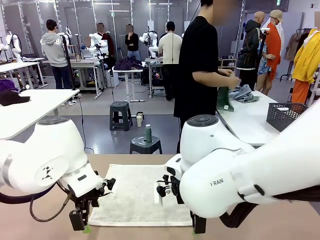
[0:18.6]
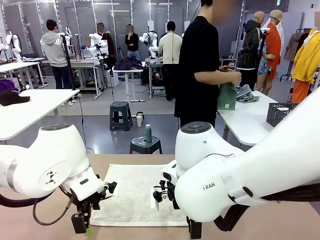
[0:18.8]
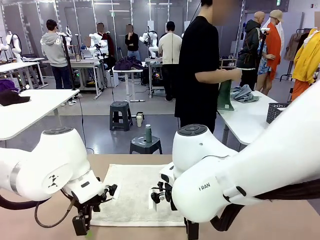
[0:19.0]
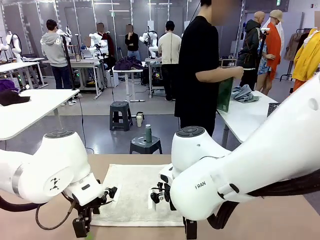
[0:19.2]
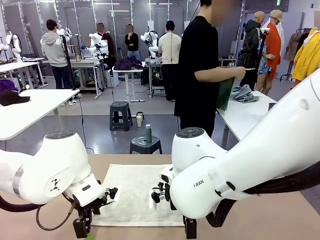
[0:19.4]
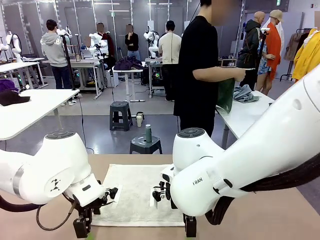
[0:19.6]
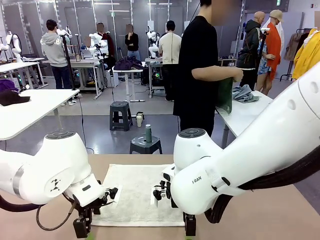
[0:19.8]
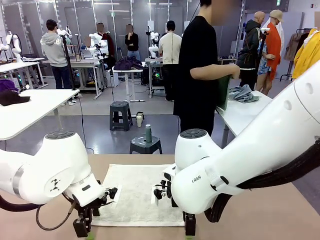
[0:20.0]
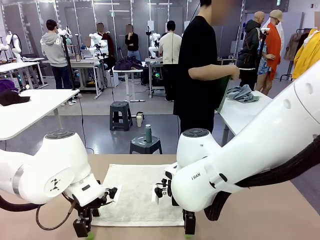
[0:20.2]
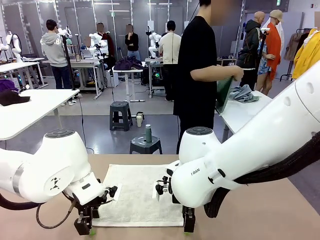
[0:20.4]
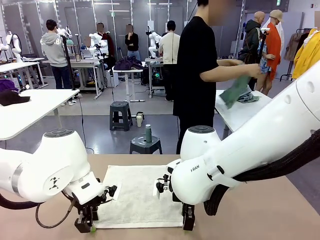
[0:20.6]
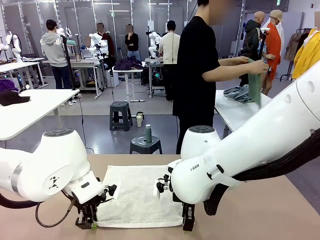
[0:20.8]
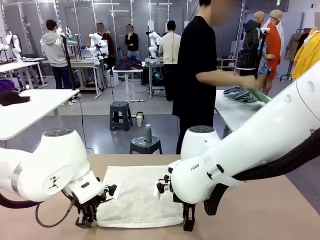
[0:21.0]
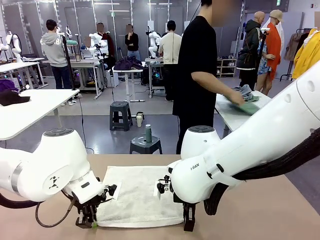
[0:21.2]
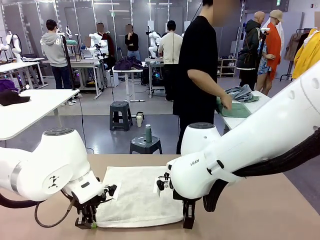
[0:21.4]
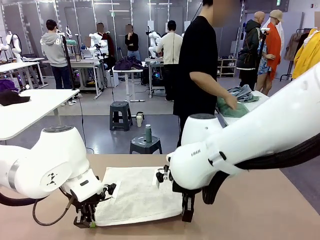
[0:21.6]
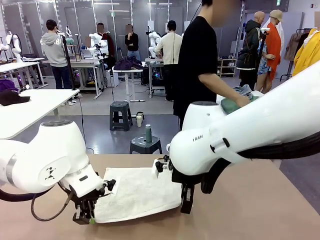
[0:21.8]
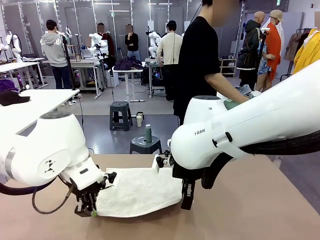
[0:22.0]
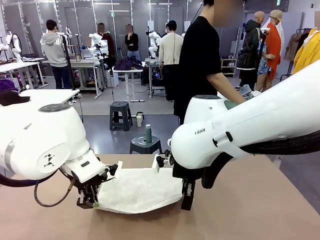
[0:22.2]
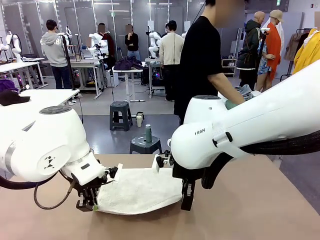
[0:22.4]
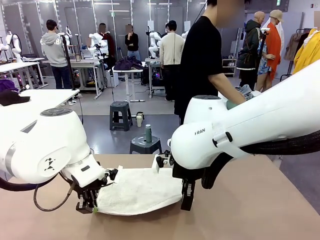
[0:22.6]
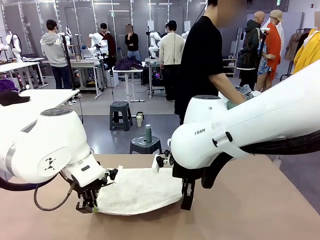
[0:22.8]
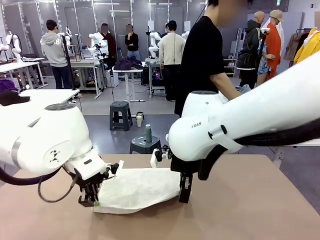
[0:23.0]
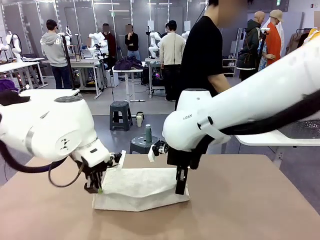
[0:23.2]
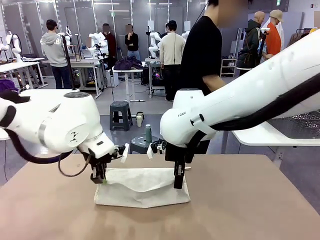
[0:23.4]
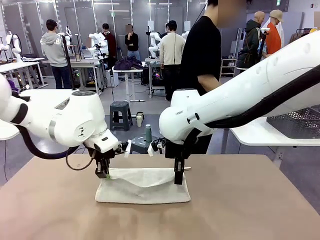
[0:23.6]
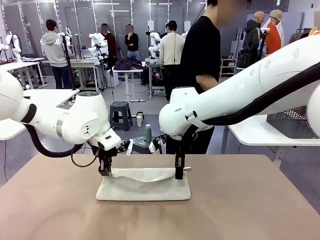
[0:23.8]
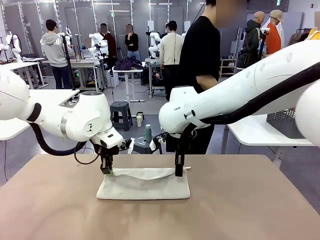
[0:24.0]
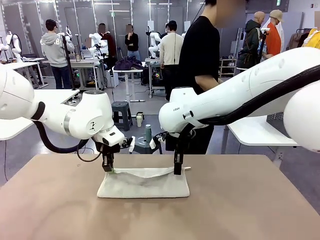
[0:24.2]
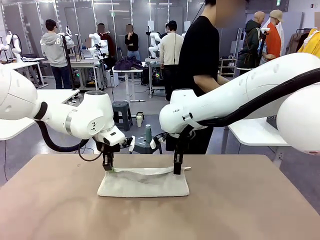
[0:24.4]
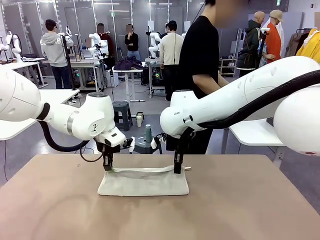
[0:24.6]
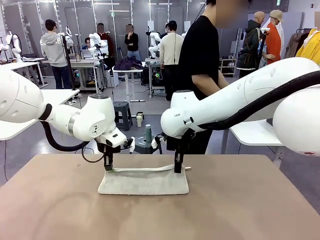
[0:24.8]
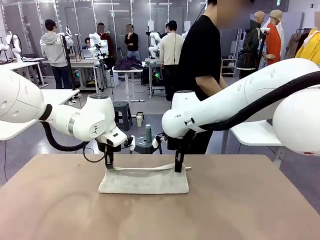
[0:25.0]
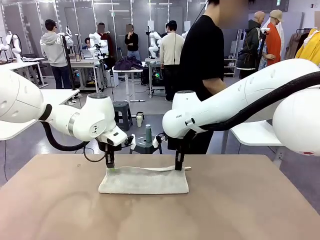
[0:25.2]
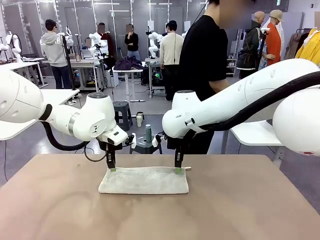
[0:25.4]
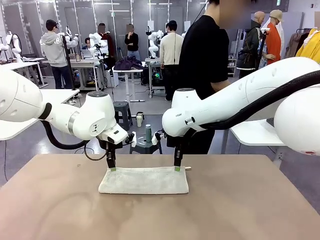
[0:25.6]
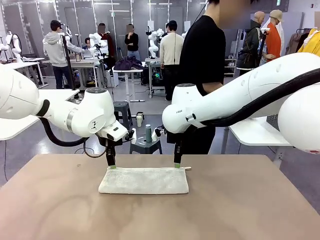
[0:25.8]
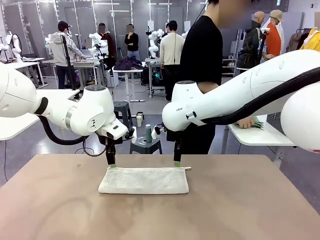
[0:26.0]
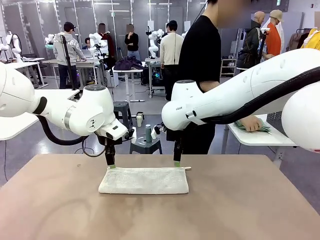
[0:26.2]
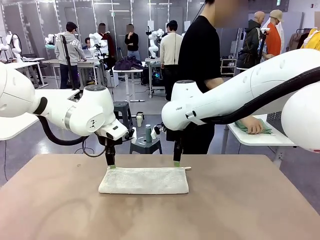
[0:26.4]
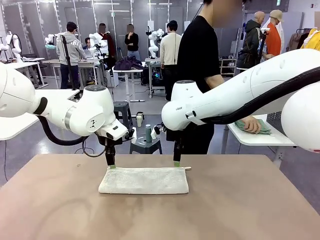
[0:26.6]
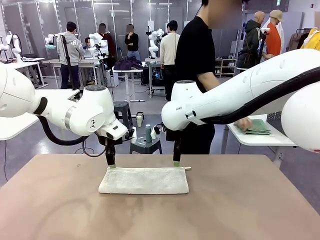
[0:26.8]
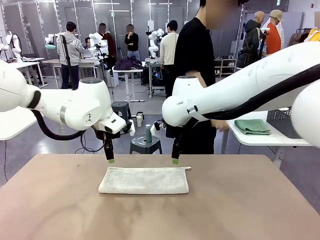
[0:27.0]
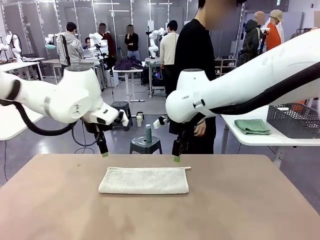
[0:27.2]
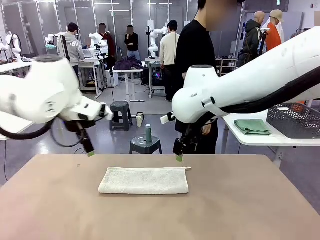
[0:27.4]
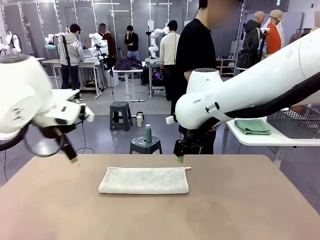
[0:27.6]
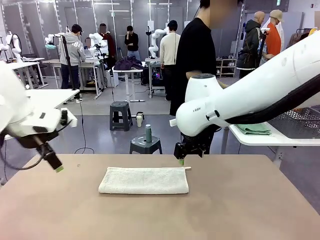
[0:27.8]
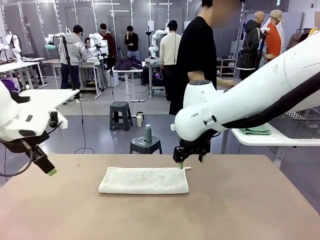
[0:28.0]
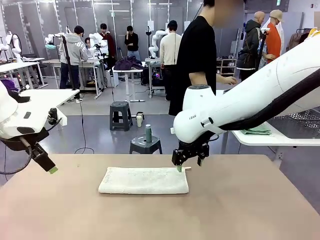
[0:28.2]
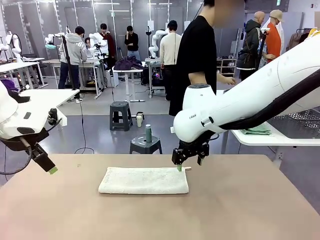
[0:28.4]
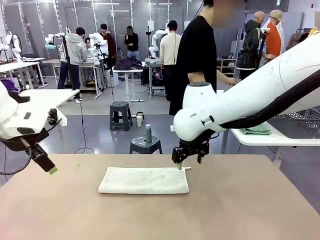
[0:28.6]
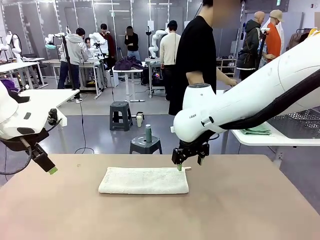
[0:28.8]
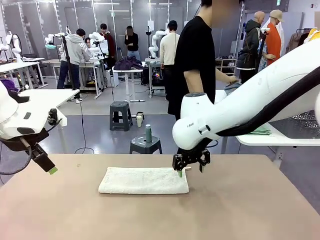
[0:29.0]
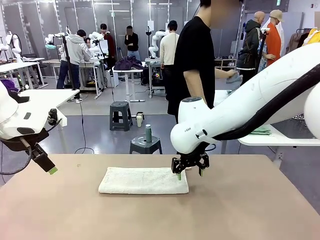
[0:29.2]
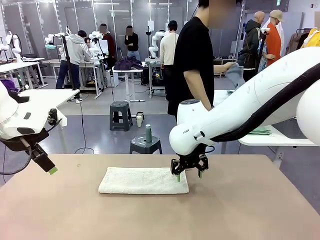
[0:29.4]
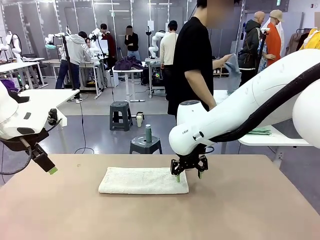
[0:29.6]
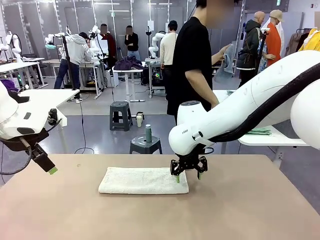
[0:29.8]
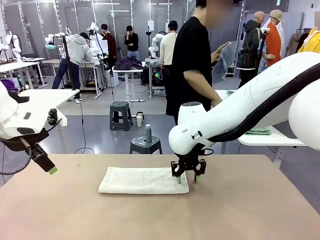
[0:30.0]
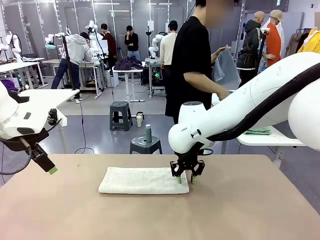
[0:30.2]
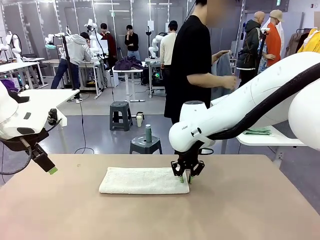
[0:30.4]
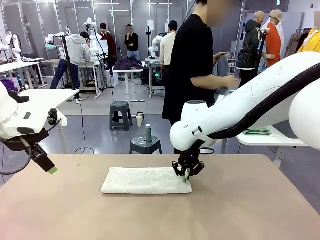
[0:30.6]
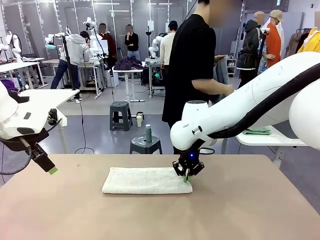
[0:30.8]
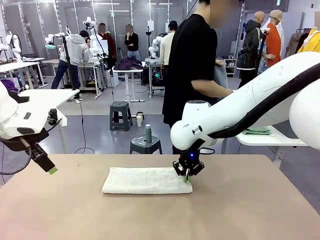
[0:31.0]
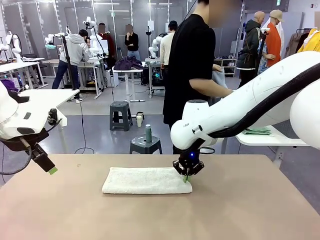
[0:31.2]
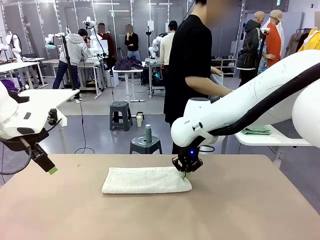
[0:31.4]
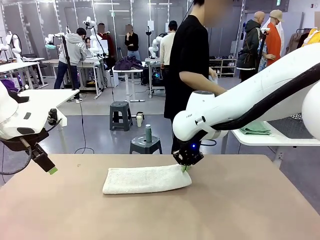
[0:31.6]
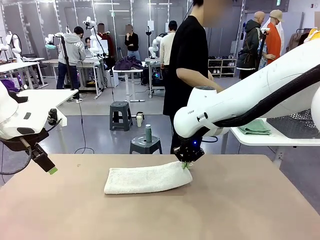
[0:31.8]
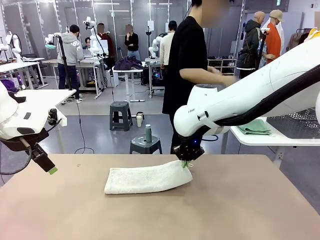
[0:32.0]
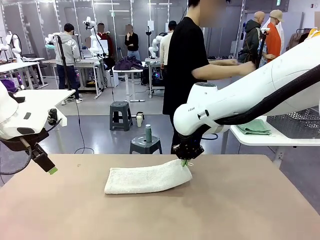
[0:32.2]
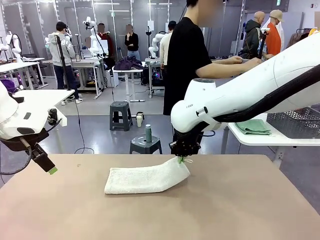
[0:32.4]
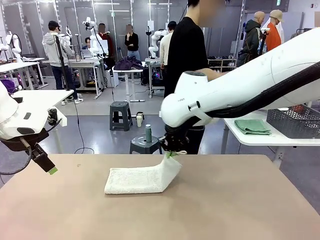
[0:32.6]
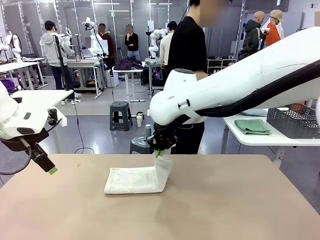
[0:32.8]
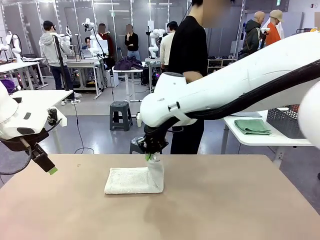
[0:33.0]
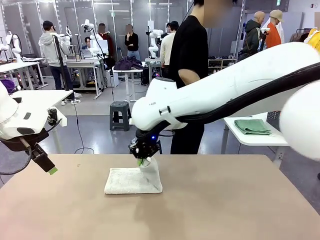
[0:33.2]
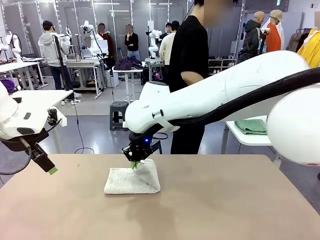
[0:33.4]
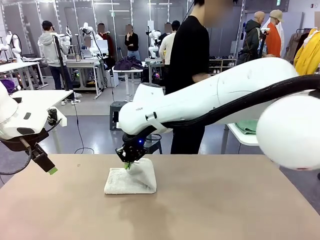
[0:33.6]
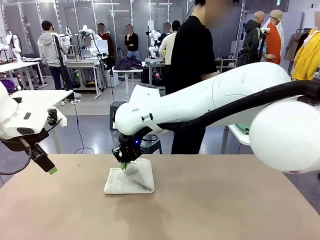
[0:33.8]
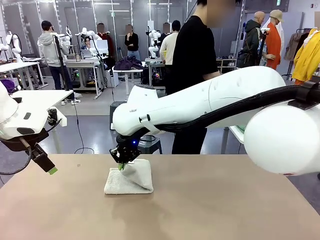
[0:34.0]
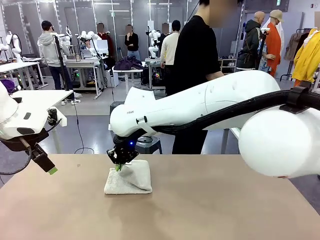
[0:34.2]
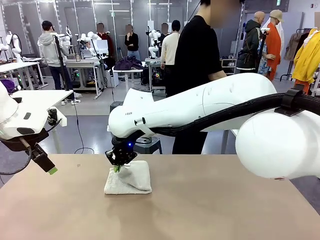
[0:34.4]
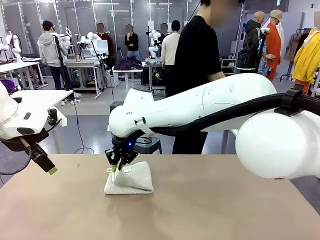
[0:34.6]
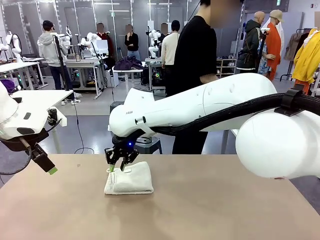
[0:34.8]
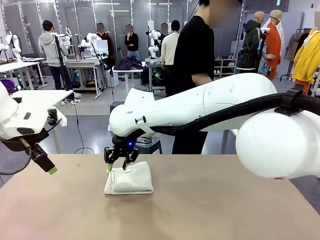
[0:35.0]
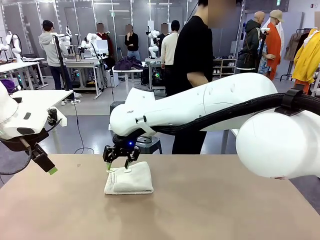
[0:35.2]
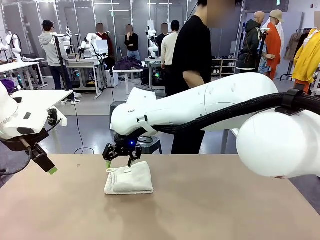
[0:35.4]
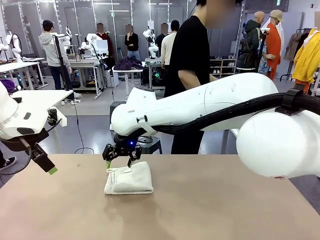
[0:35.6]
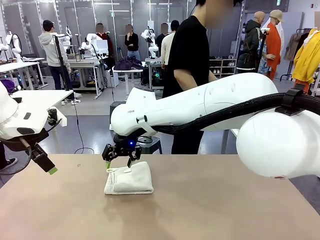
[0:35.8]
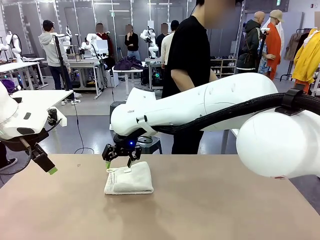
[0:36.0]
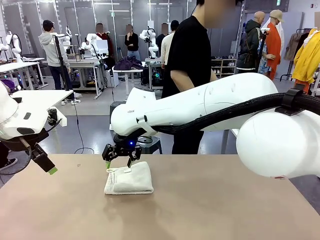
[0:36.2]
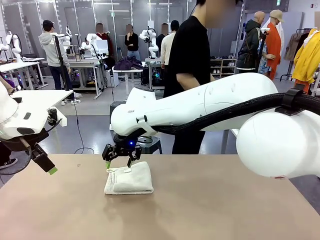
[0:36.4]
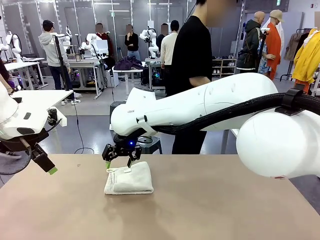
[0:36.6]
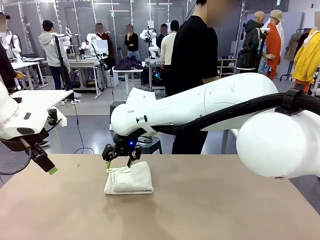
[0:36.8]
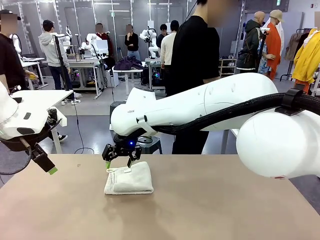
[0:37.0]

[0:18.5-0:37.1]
Task: Fold the towels and place them in the basket.
Robot: When a person lays out a Towel with hook on the table, fold it in half twice.
Person: Pick up one towel from the left side of the human table, fold it in half twice, and place it on the right side of the table. Pick up one towel from the left side of the human table, fold it in half twice, and stack it on the right side of the table.
